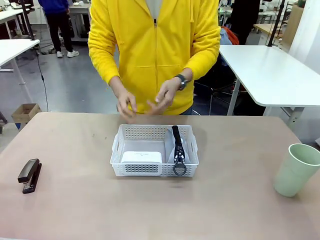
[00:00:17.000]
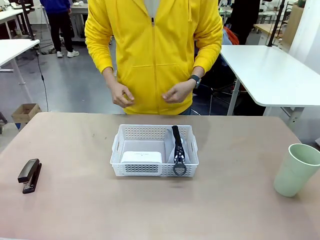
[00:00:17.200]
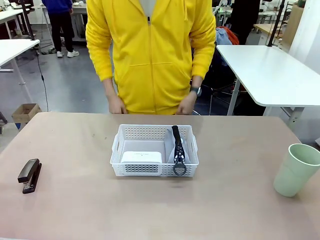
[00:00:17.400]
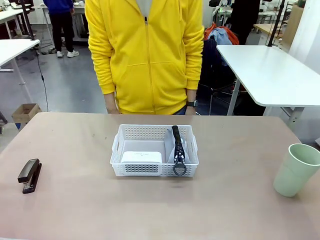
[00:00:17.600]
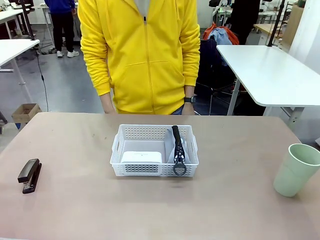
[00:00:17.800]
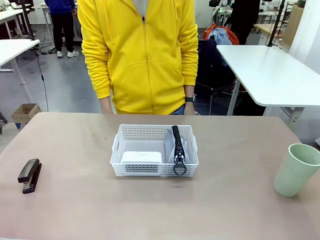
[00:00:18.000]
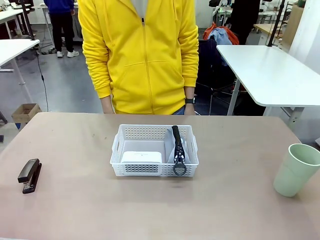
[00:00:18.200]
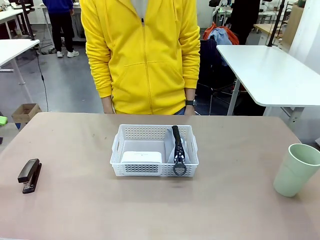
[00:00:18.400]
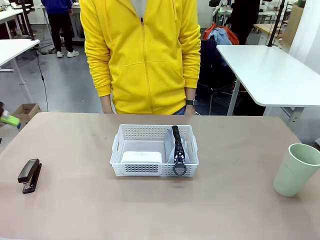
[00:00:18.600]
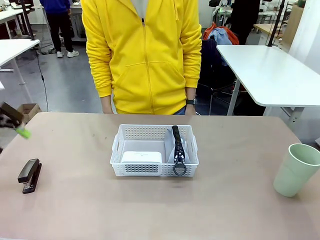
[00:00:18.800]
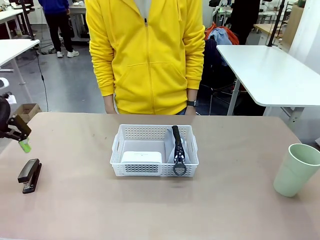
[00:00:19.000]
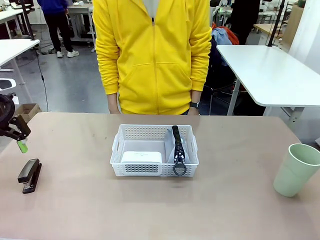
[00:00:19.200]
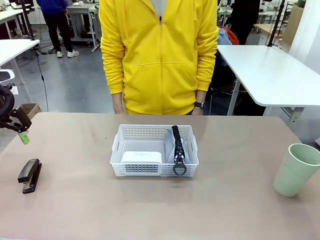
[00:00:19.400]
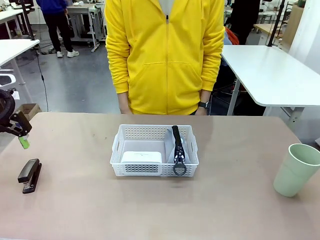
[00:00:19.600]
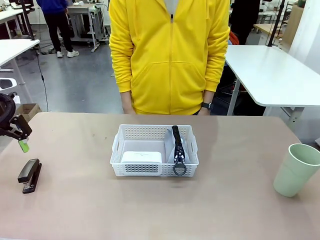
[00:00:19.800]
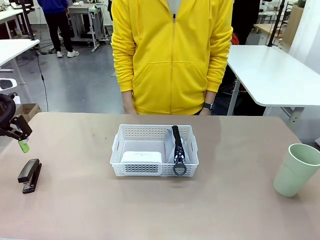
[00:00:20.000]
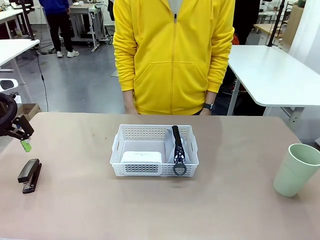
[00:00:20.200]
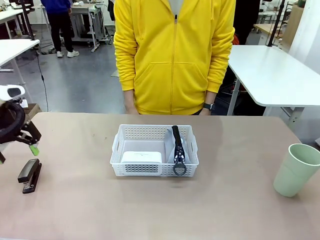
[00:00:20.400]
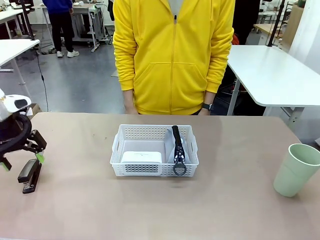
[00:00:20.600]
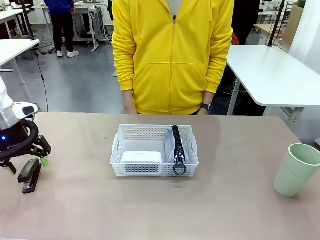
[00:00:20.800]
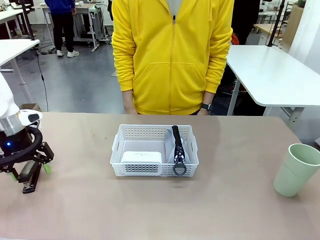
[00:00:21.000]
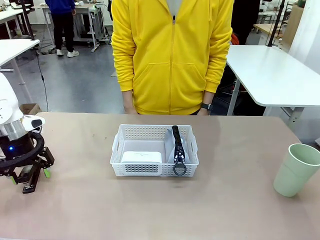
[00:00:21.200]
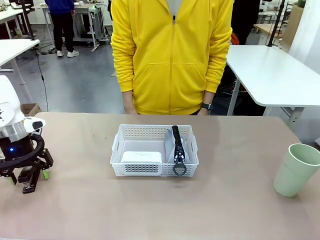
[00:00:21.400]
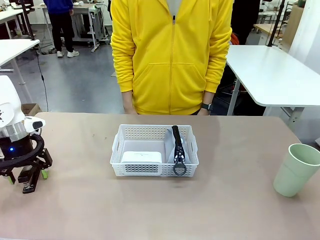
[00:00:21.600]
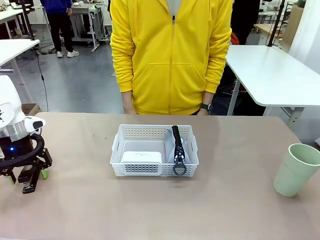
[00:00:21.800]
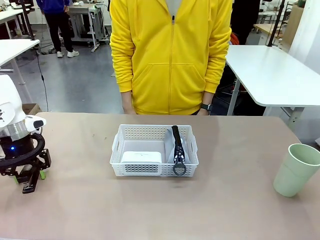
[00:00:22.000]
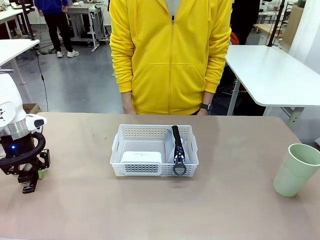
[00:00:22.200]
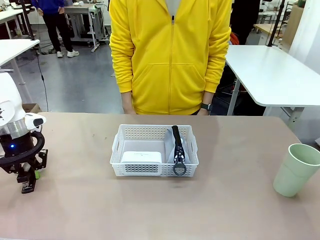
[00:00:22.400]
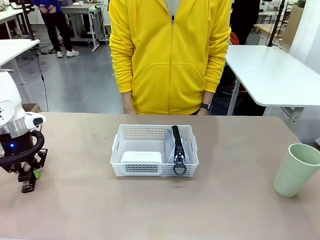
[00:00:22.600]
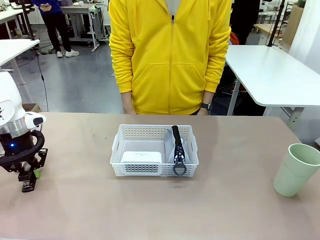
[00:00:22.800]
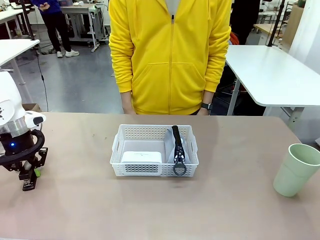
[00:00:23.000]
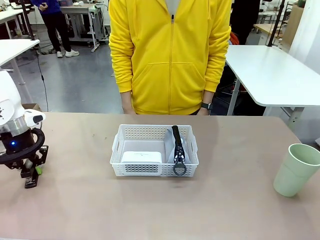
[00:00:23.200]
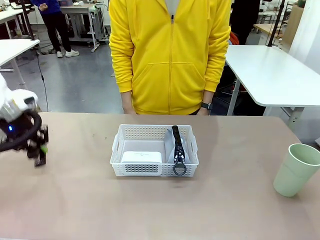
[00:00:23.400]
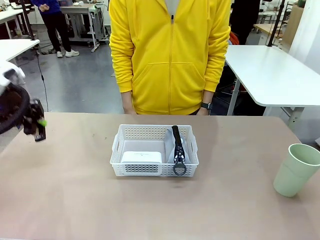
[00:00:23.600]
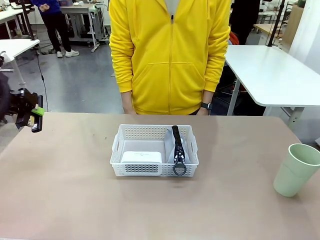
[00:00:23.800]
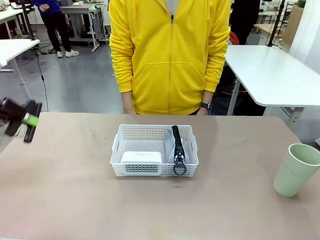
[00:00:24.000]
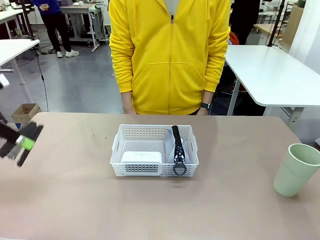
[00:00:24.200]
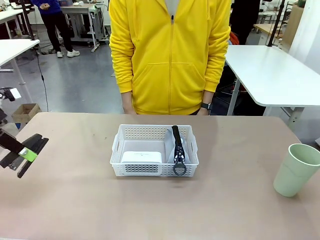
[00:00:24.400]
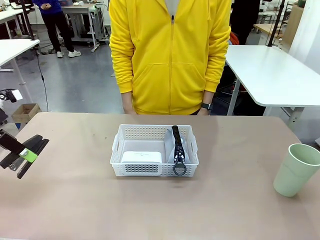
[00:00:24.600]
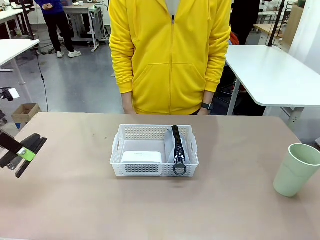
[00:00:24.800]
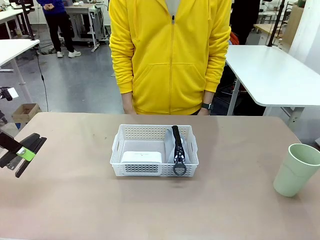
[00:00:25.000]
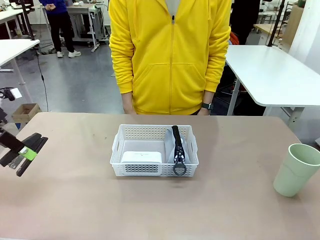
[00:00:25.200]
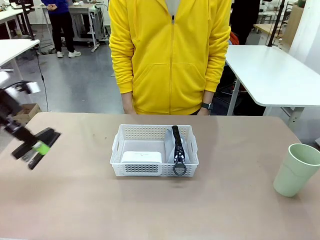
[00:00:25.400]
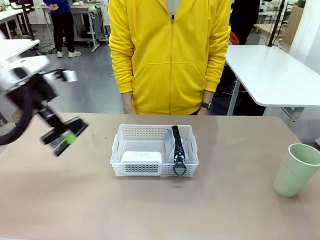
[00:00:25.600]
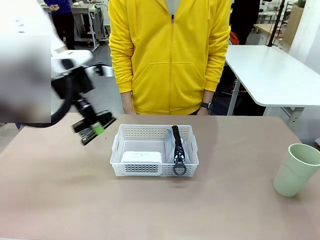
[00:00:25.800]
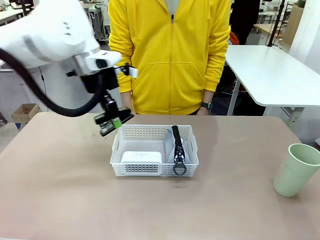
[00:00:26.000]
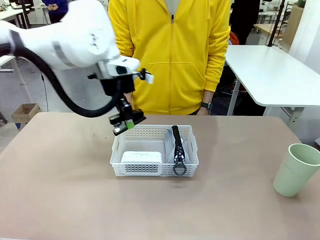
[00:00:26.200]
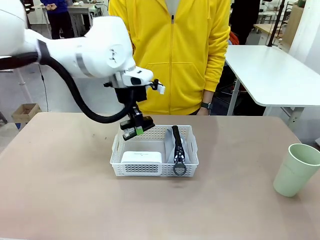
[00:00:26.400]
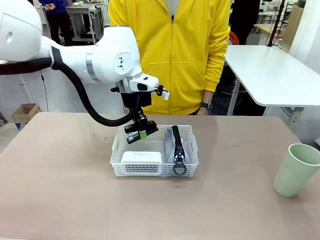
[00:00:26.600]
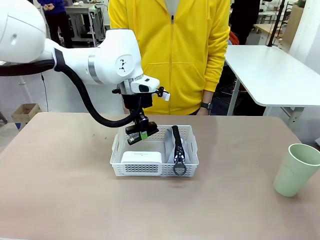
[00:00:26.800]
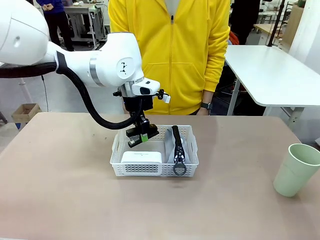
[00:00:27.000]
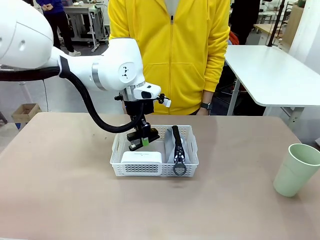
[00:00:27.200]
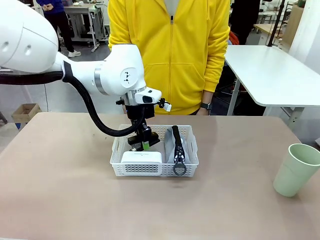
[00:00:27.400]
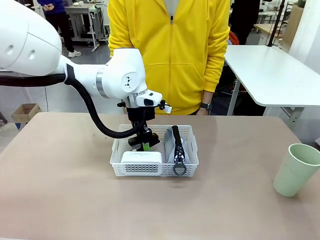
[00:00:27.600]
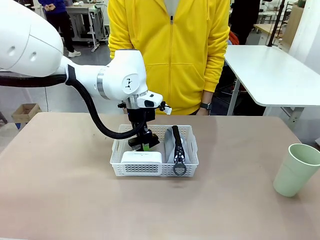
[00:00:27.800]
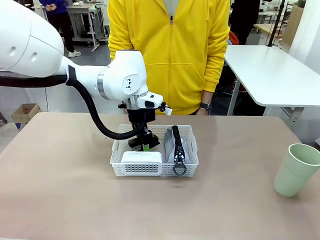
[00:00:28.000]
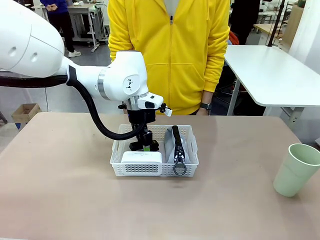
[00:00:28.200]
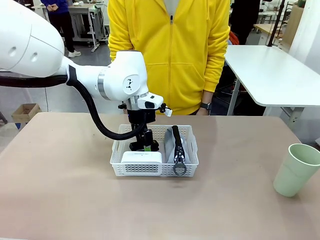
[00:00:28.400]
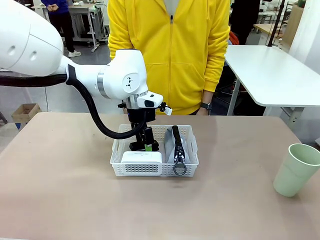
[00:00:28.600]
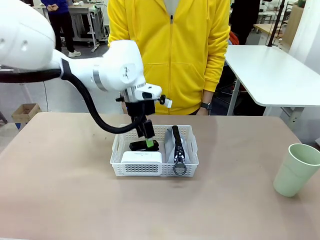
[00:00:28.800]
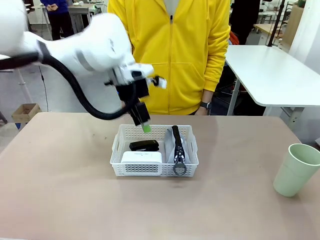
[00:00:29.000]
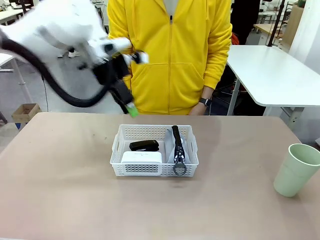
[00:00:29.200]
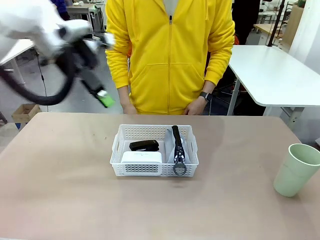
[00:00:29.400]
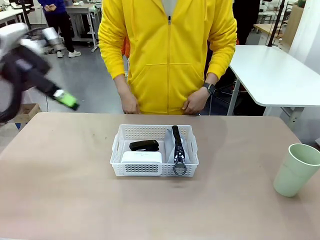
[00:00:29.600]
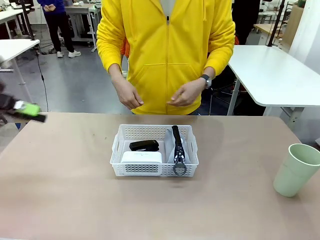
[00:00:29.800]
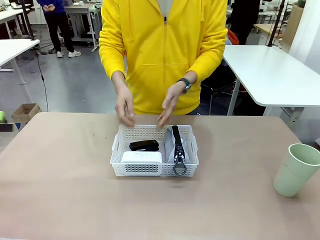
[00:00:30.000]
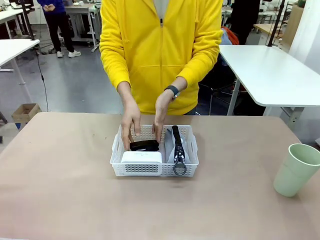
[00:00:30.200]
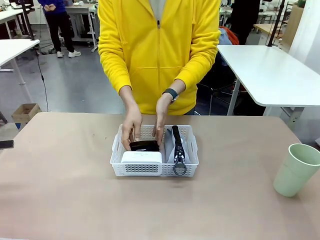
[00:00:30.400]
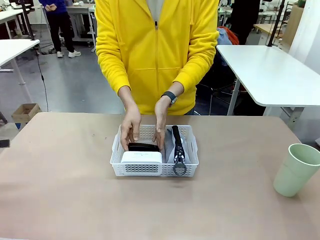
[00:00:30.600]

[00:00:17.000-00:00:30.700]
Task: Efficiently arrange items inside the basket to fit them all.
Robot: Pick up the Stapler and place it inside the Organizing basket.
